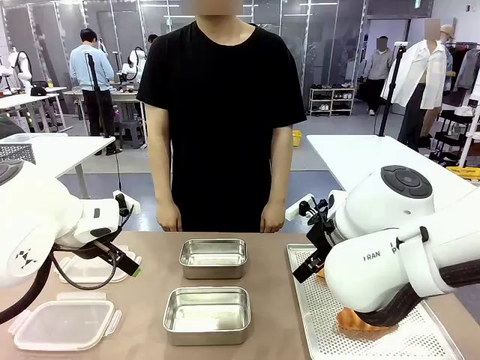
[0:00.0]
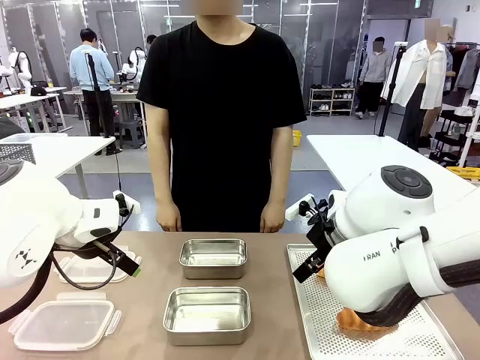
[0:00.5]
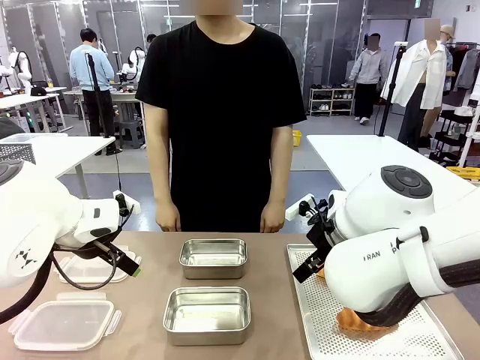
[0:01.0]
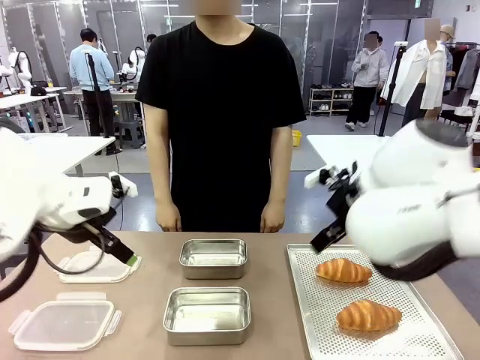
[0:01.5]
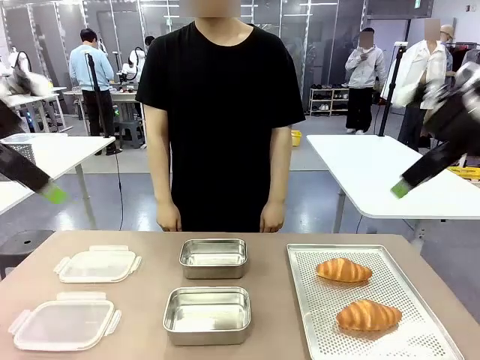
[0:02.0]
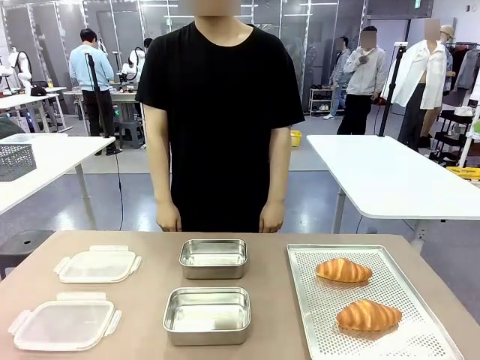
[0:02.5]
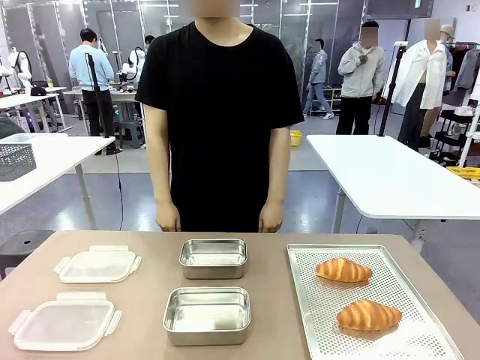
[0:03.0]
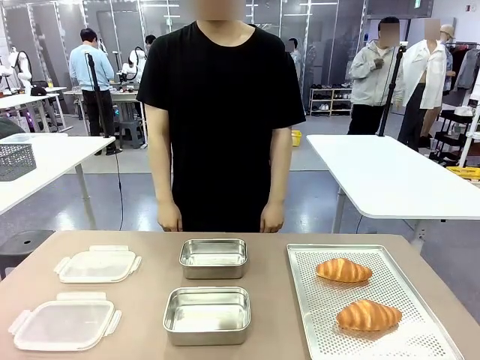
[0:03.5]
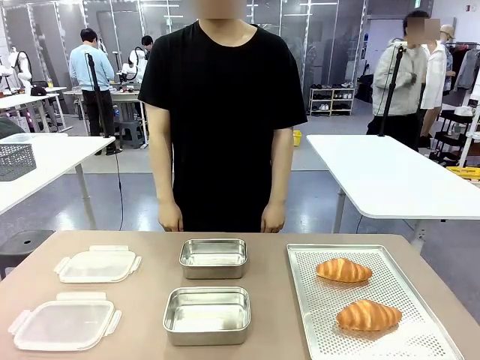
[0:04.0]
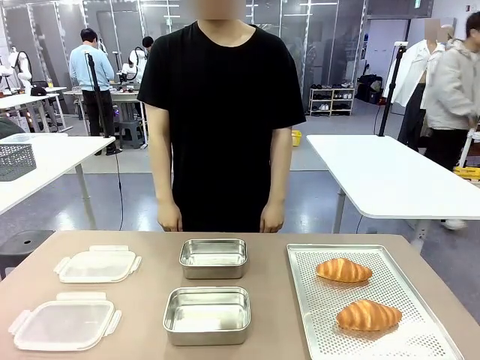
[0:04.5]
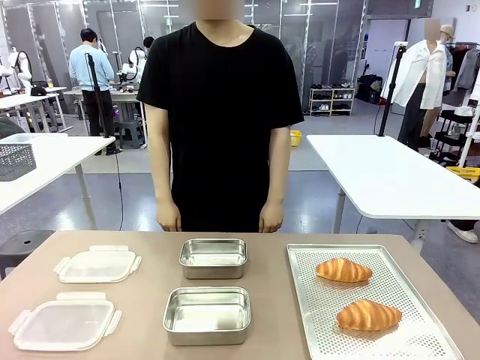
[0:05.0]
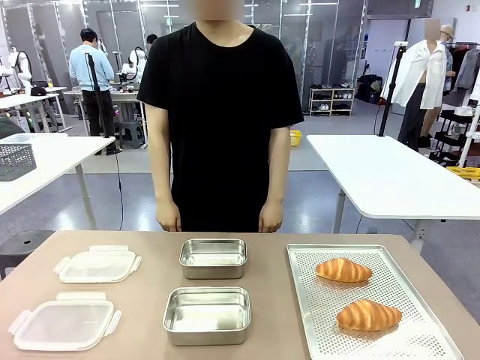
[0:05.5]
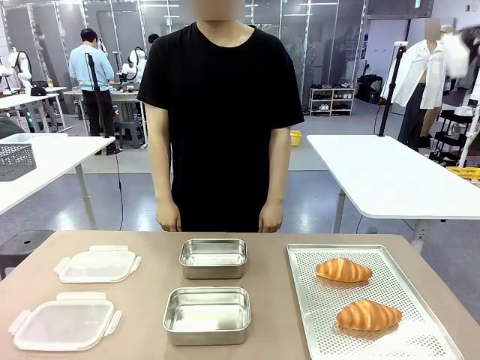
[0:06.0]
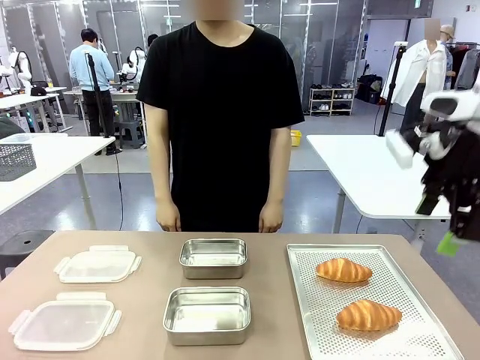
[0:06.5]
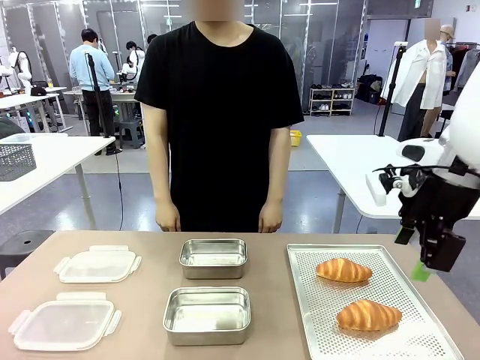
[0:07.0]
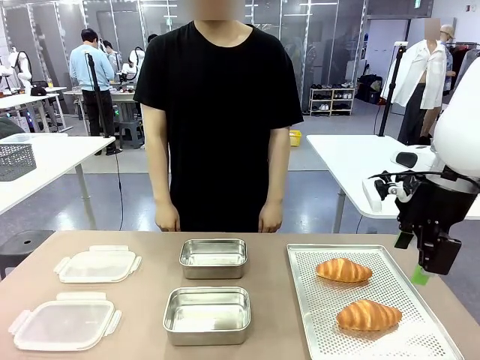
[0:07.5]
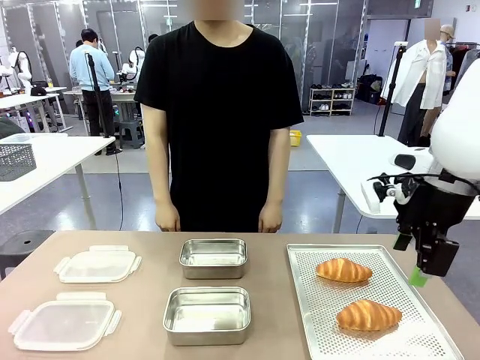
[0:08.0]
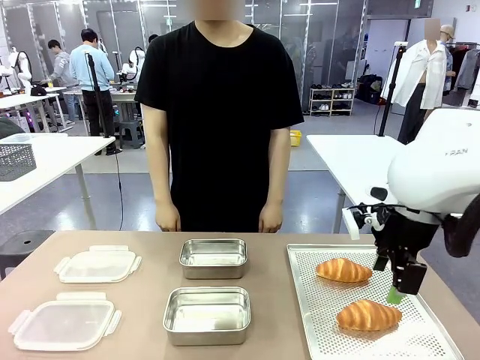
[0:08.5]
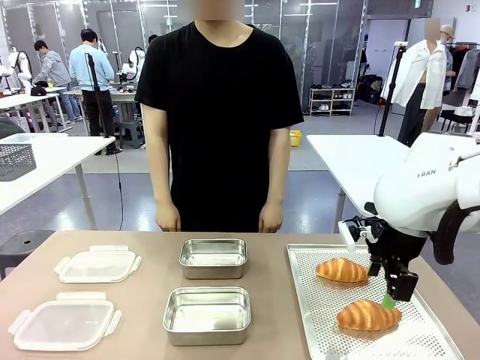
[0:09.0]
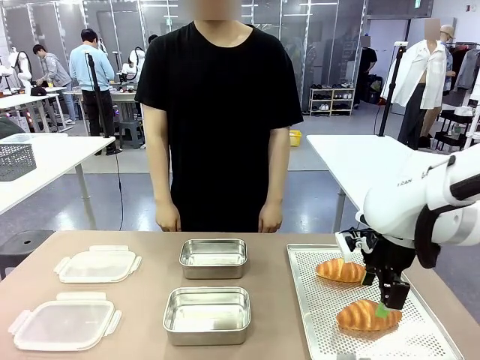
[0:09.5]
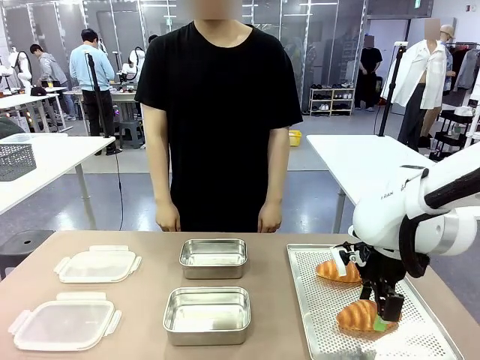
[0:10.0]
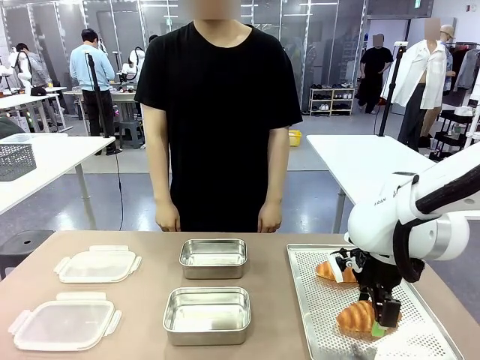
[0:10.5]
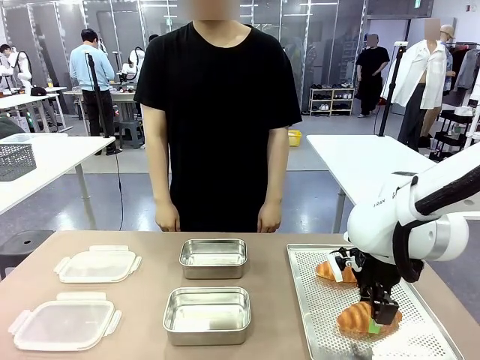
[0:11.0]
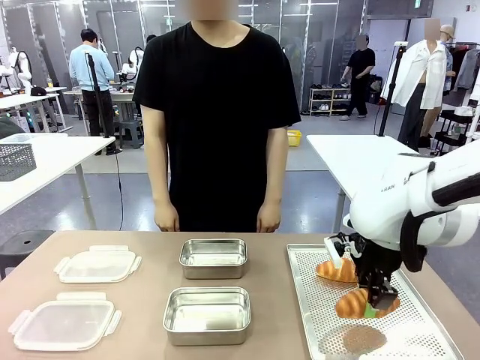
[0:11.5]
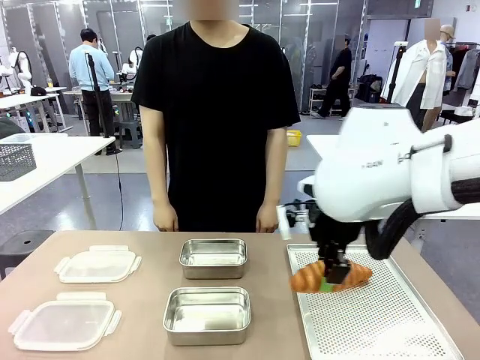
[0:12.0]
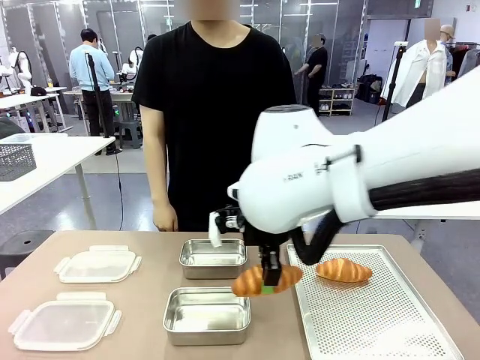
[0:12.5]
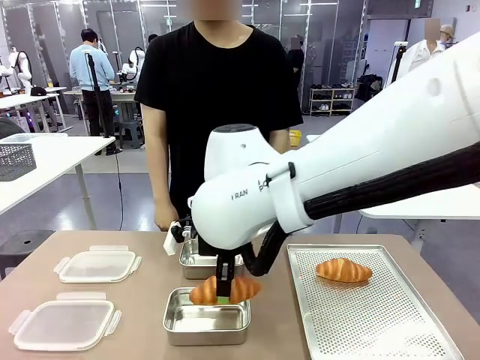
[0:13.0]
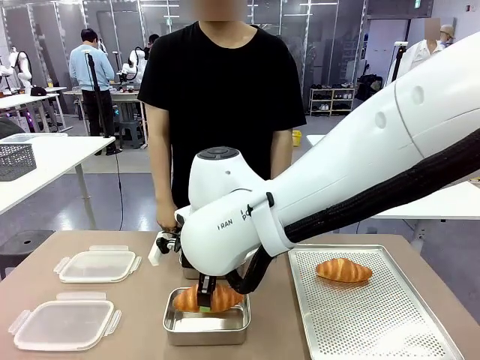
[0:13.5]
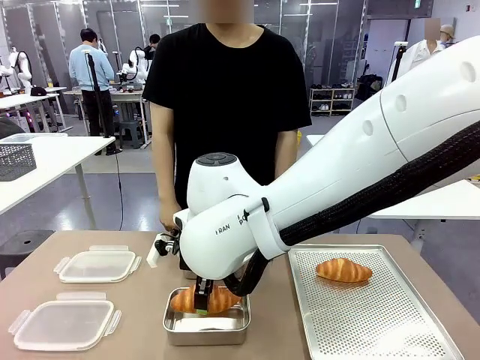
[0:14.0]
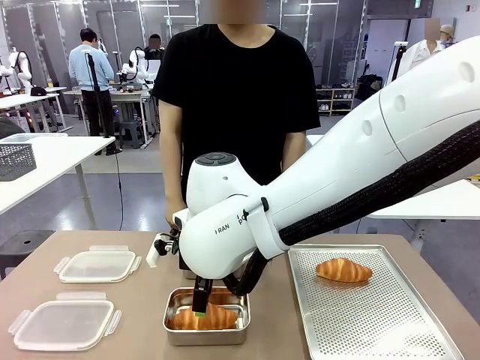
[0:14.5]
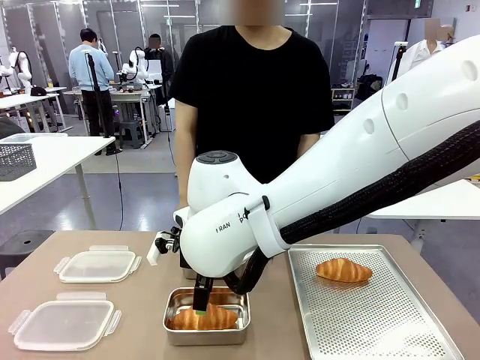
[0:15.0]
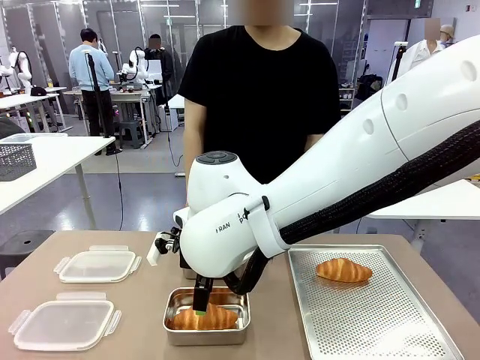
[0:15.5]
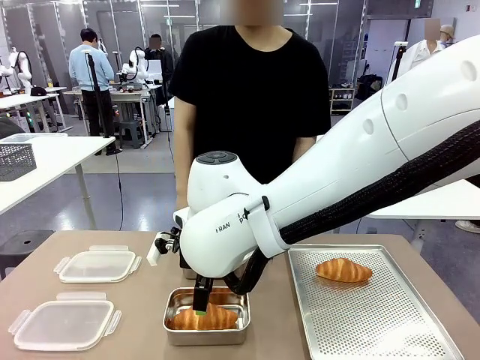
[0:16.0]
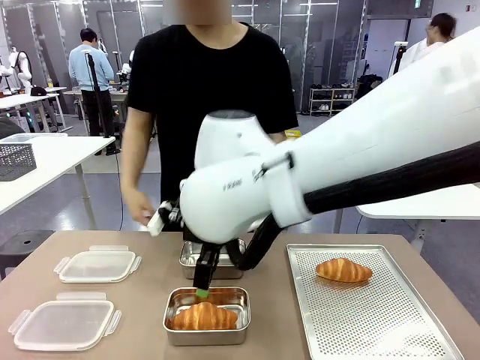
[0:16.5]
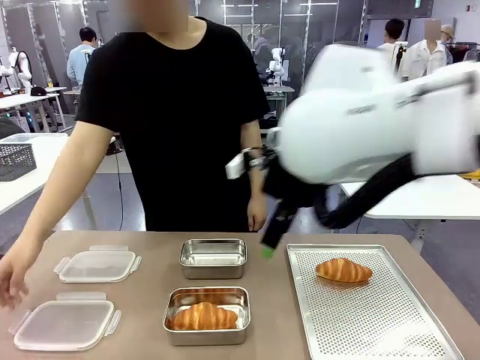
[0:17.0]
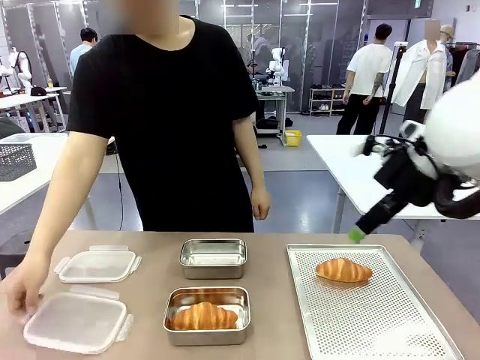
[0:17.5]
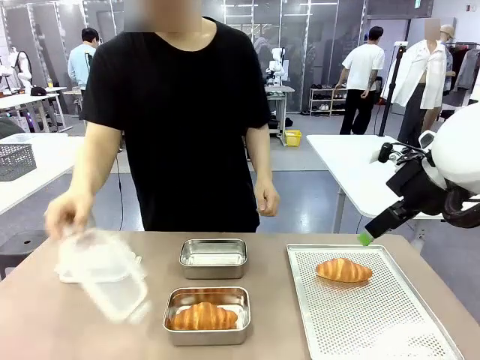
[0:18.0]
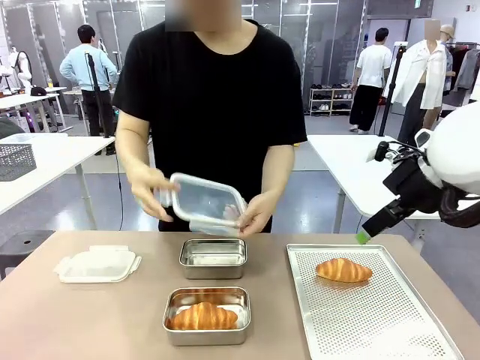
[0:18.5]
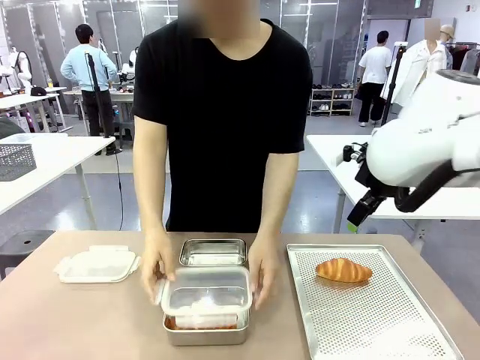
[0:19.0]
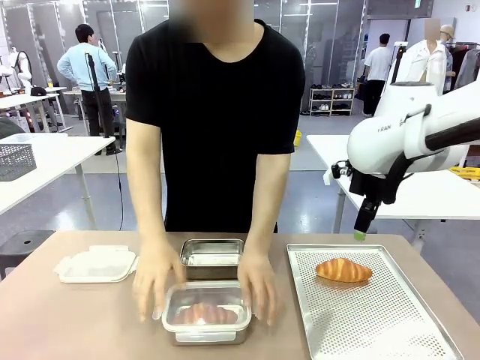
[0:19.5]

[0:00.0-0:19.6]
Task: Place the bread into the airtight container.
Robot: Pick up a Butter Roll and place it into an empty Airtight Container.
